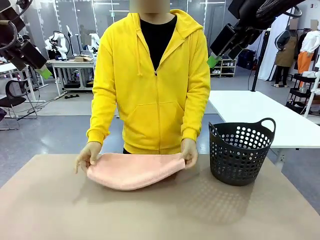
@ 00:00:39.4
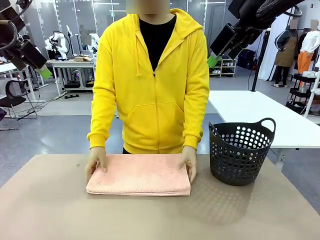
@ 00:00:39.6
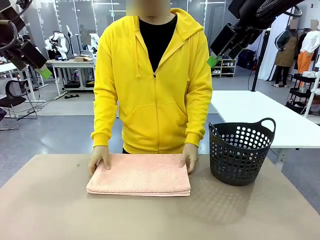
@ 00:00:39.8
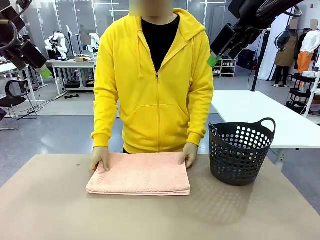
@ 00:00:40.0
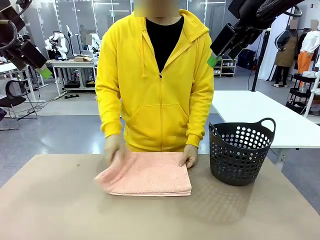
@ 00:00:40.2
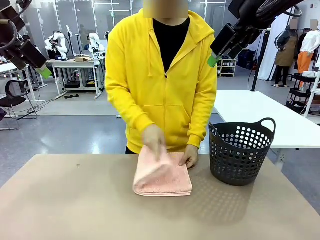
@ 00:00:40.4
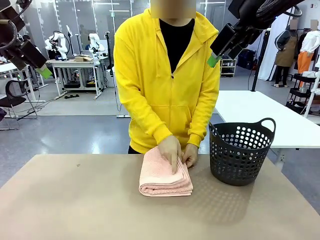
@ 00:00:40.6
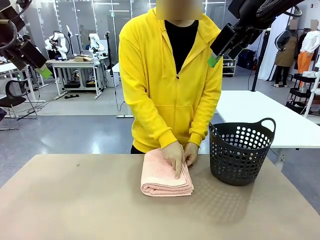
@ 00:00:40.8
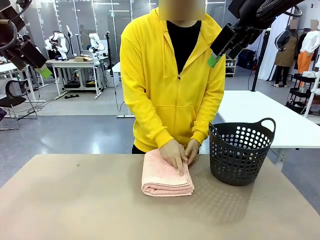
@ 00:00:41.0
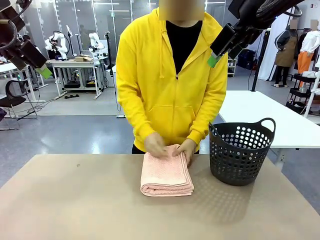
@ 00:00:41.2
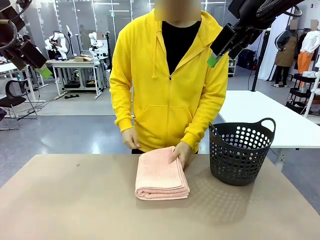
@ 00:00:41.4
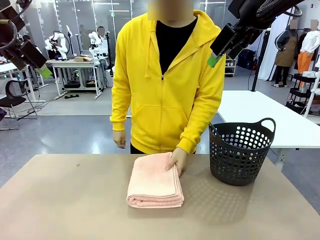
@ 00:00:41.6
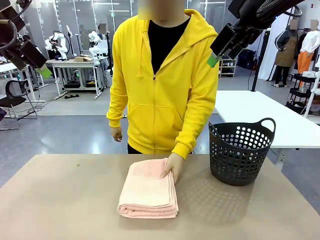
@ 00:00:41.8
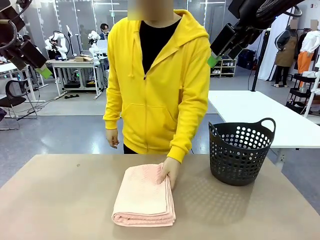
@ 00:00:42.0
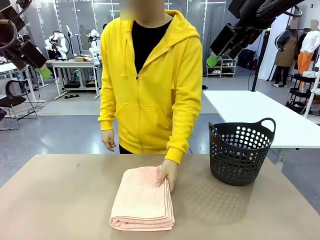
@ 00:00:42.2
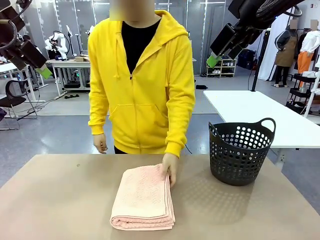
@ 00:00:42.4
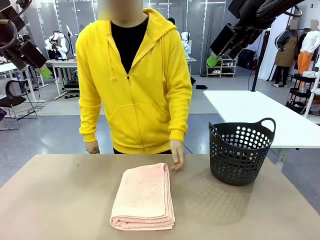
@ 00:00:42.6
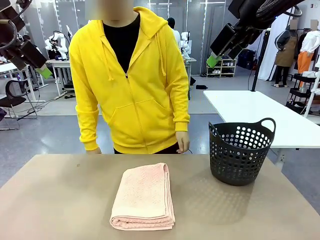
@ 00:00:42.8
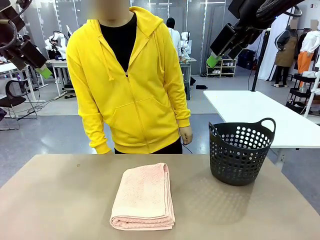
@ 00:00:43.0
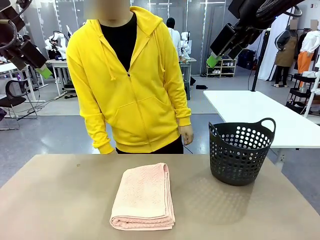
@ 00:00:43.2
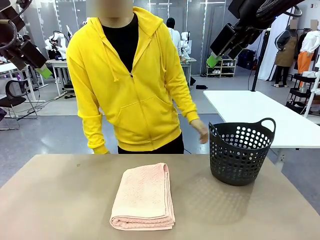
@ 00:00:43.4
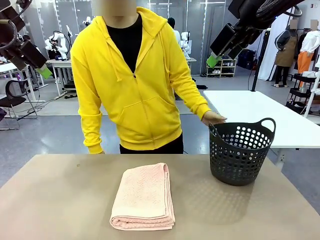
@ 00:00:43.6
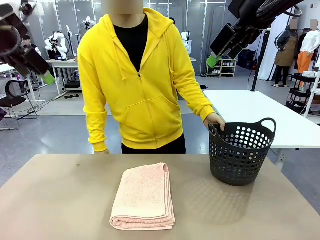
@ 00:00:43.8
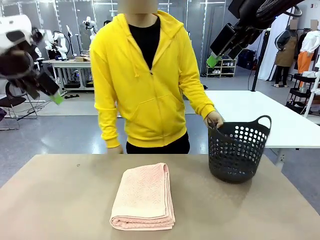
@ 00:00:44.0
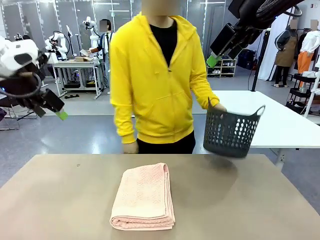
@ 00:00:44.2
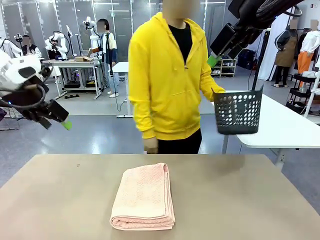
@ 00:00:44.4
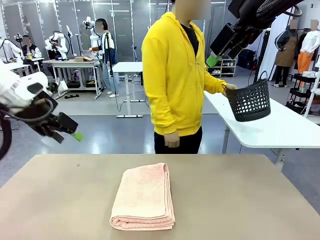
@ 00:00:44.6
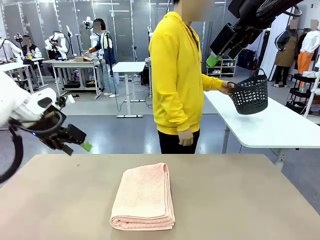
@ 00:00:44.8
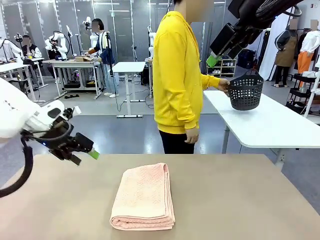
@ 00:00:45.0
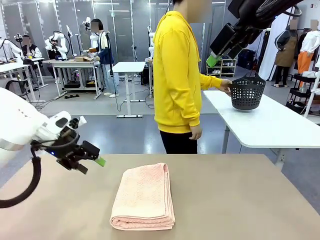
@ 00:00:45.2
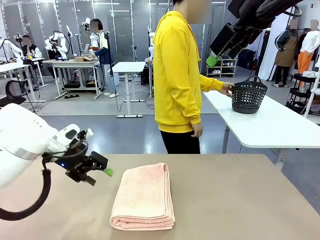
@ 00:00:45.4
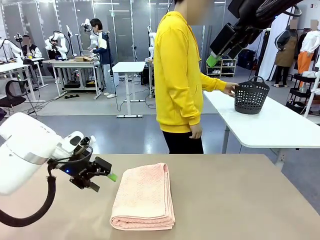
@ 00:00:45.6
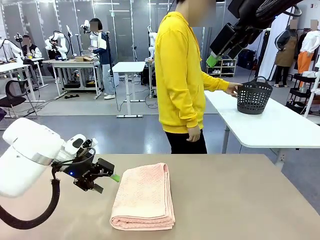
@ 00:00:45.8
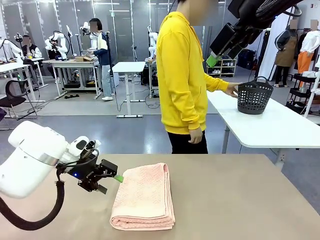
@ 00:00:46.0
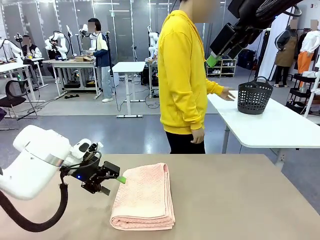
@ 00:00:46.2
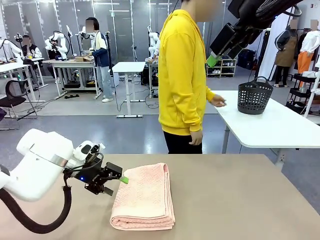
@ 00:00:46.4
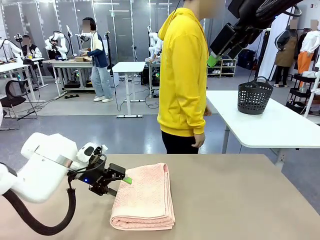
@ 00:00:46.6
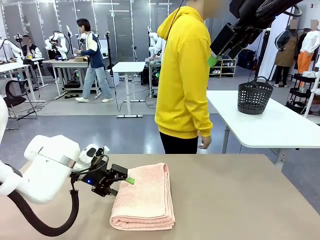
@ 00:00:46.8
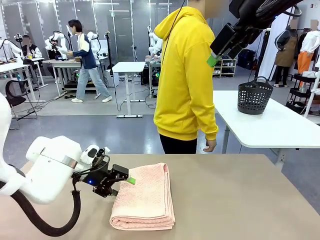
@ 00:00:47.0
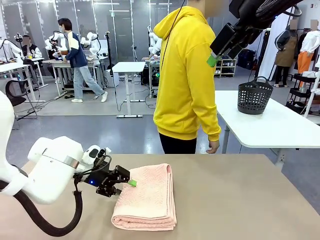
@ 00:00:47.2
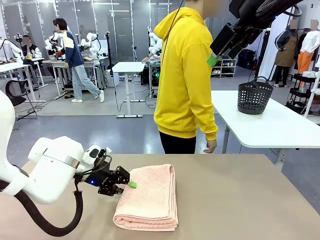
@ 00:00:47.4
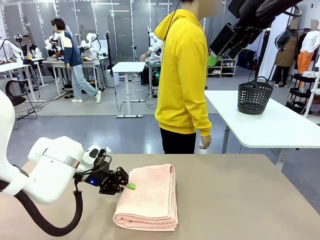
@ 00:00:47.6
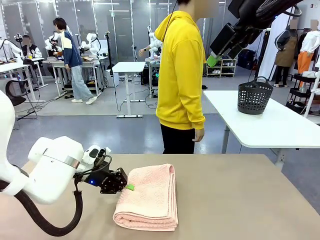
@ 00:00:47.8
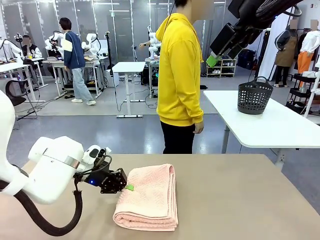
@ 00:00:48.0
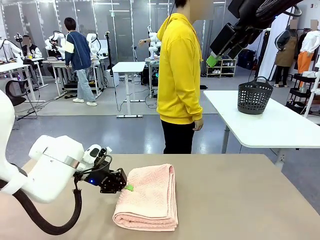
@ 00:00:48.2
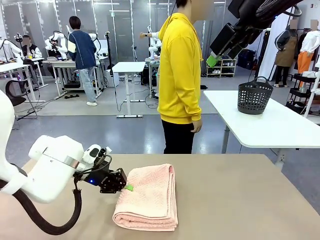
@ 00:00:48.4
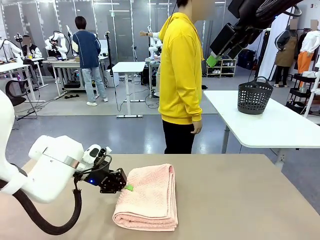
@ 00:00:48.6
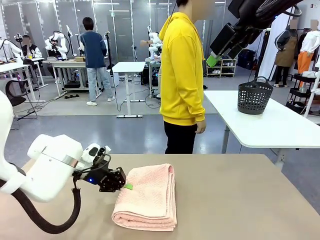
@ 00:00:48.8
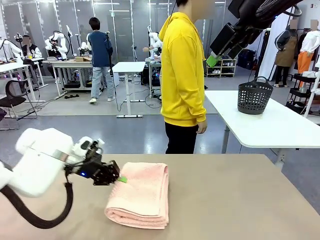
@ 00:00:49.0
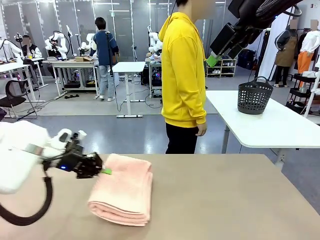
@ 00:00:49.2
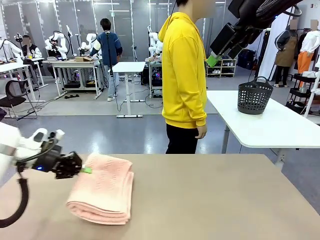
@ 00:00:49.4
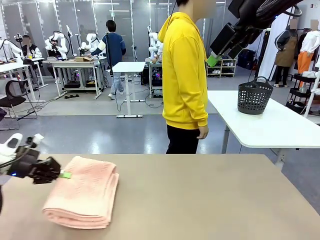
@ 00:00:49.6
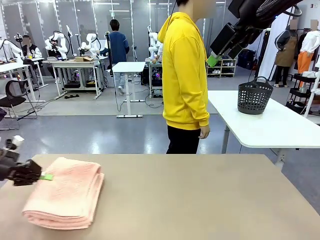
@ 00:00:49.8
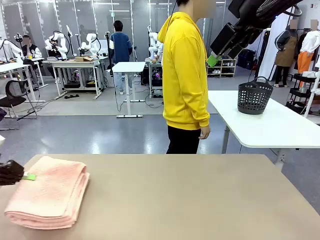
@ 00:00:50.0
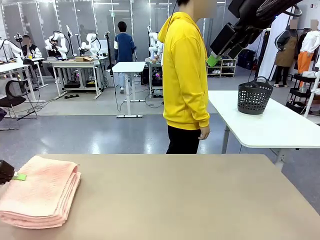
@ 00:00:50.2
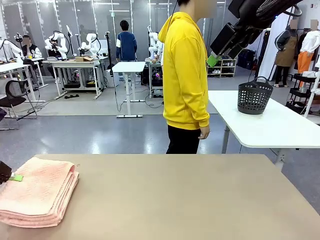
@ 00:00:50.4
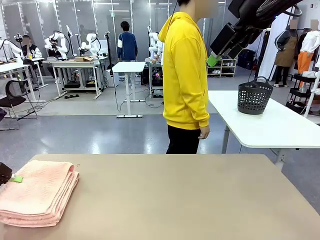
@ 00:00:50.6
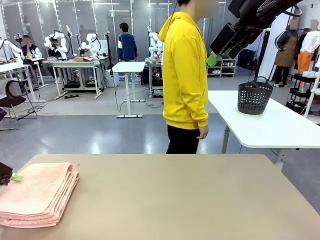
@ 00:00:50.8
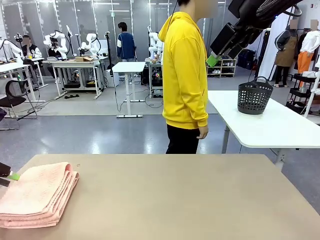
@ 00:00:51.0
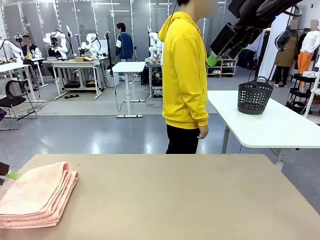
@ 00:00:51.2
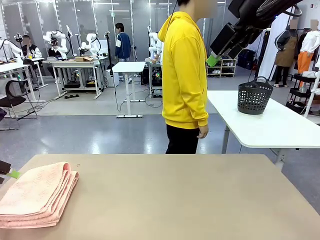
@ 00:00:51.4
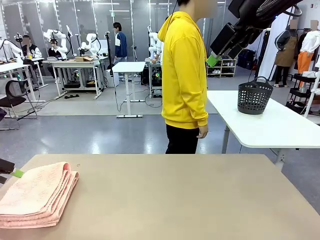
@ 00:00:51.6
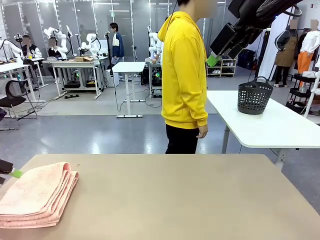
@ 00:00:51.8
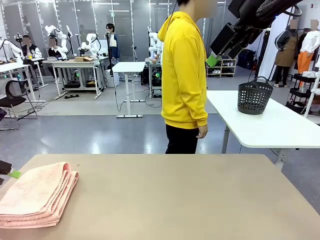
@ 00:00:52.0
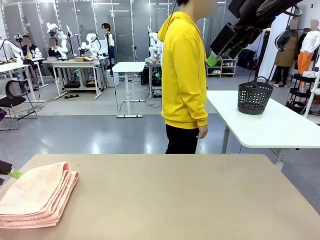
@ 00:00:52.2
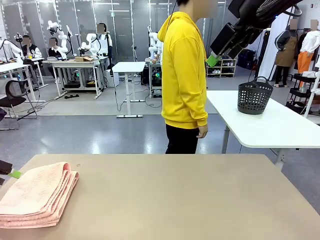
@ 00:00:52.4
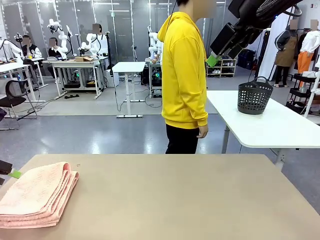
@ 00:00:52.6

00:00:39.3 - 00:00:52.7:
Task: Fold the towel.
Robot: Pick up the 100 cm Hotel Towel and place it on the left side of the table.
Person: Place the towel at the center of the robot table and fold it in half. Pick up the laundry basket and place it at the center of the human table.
